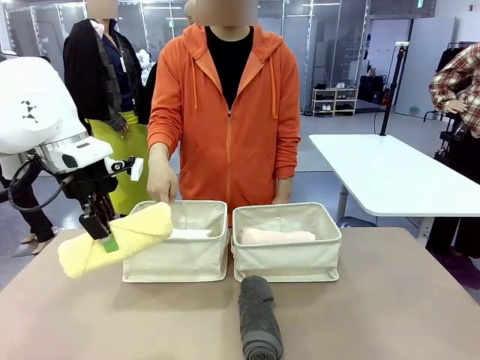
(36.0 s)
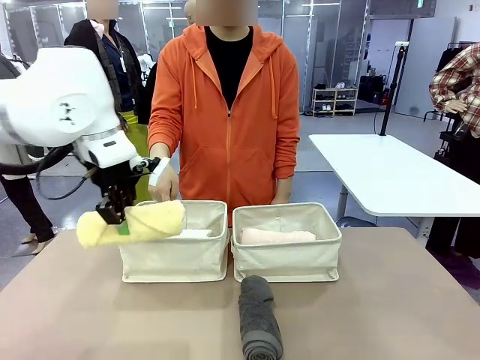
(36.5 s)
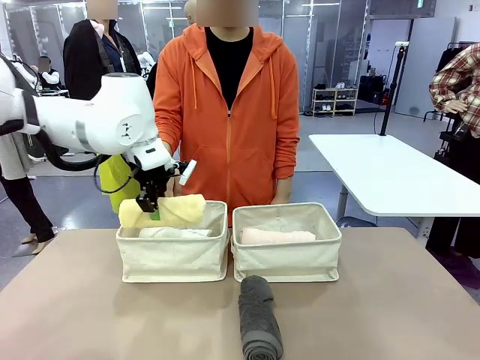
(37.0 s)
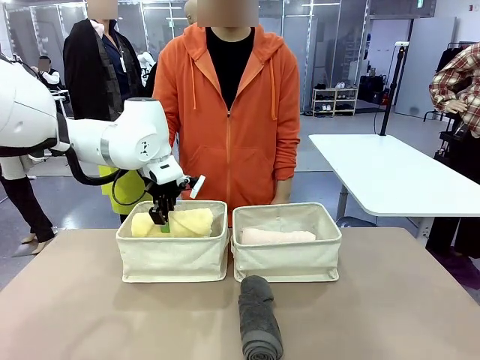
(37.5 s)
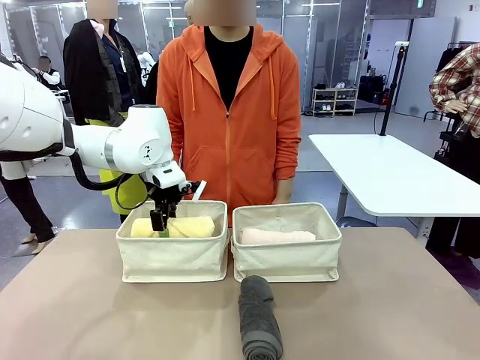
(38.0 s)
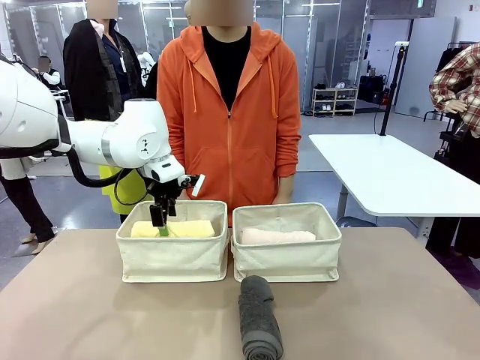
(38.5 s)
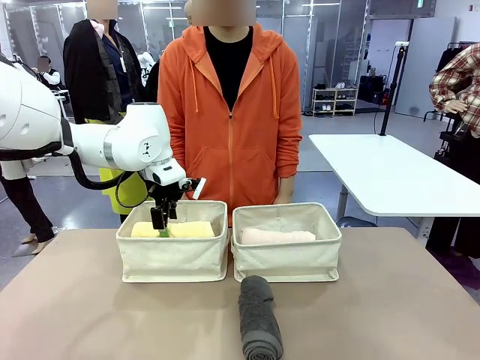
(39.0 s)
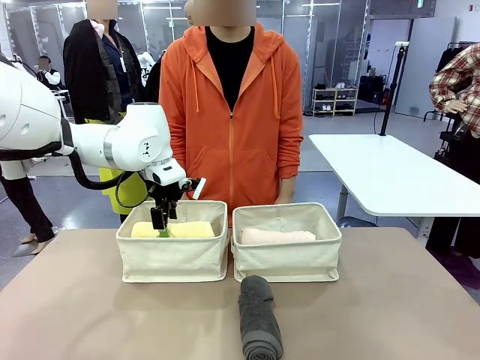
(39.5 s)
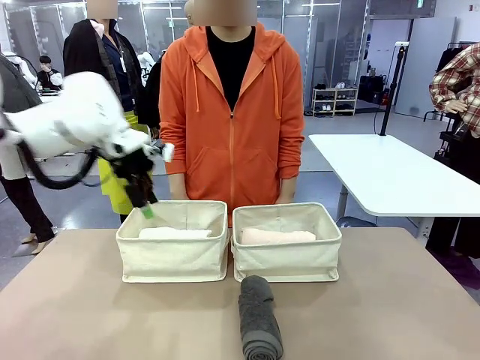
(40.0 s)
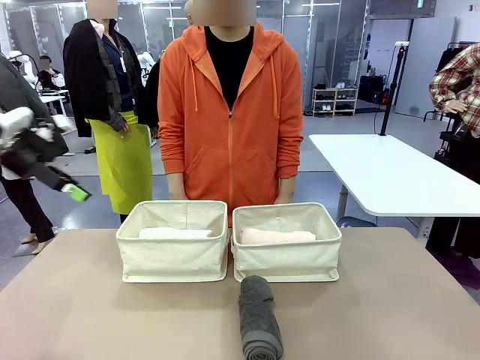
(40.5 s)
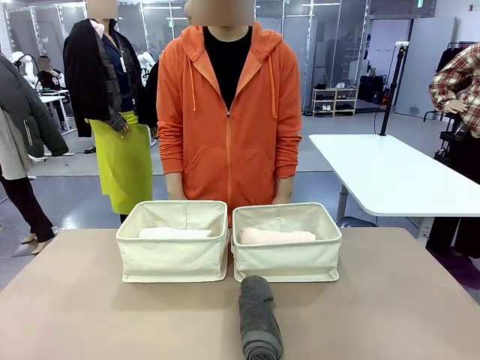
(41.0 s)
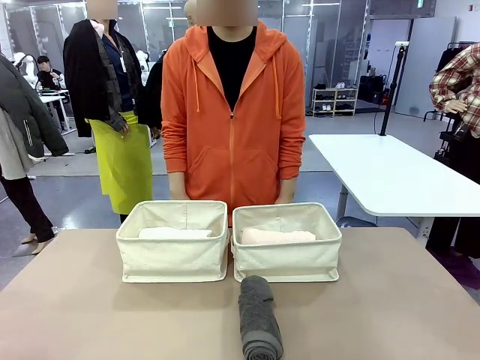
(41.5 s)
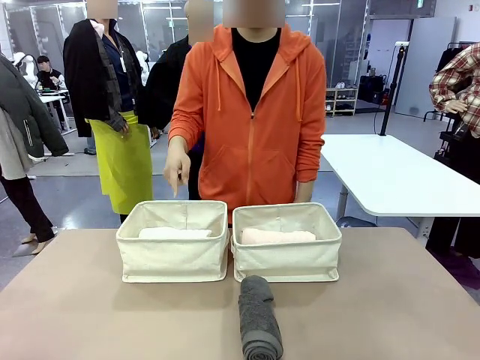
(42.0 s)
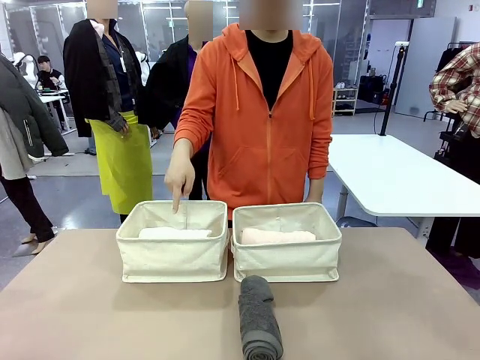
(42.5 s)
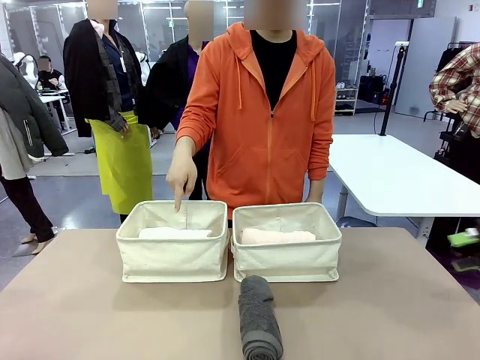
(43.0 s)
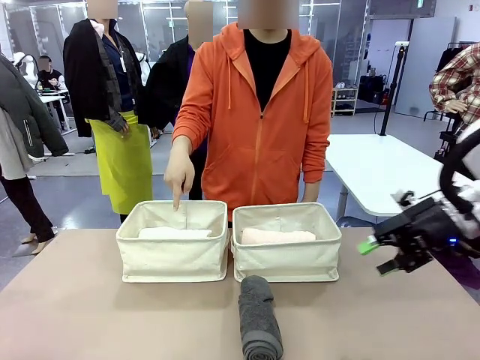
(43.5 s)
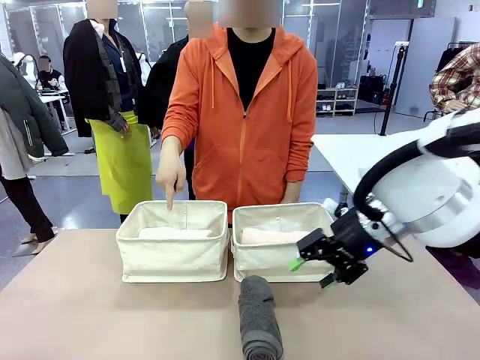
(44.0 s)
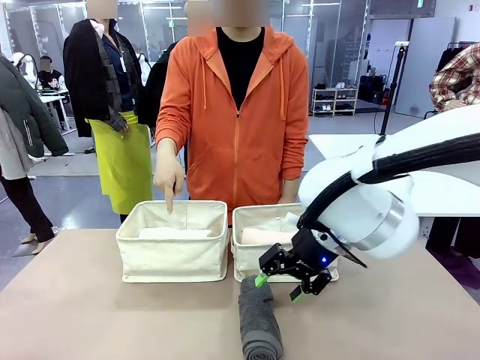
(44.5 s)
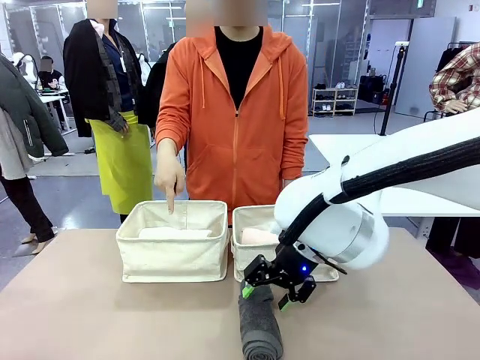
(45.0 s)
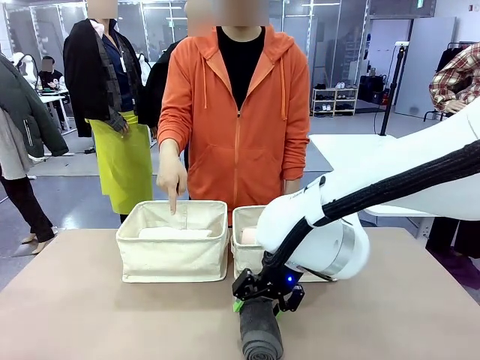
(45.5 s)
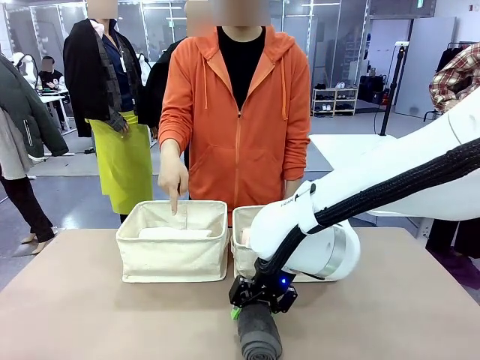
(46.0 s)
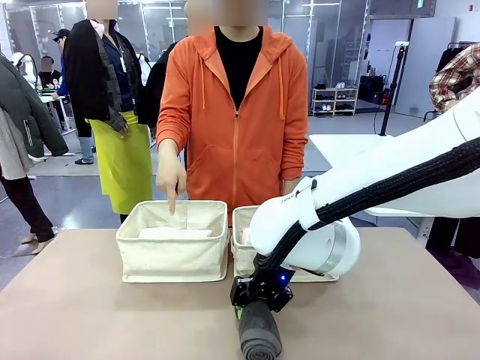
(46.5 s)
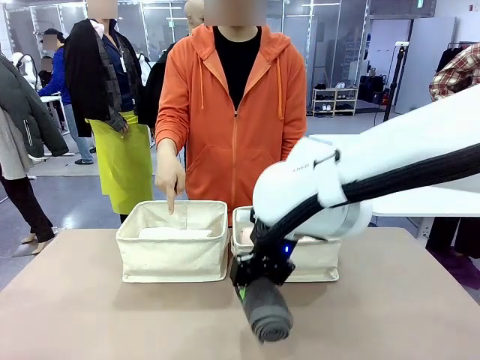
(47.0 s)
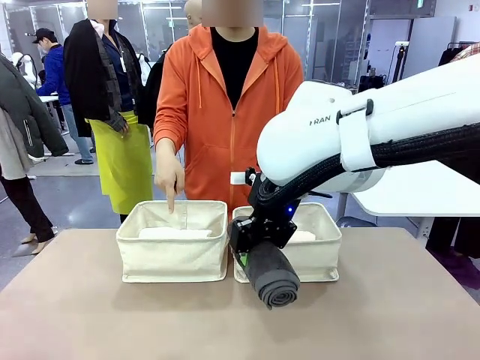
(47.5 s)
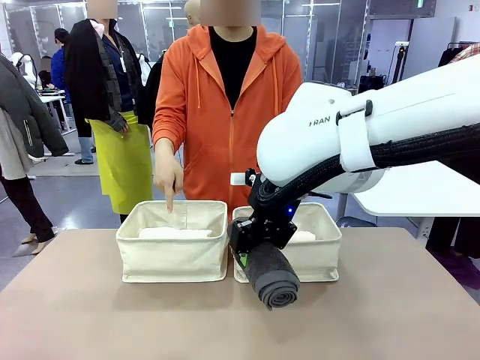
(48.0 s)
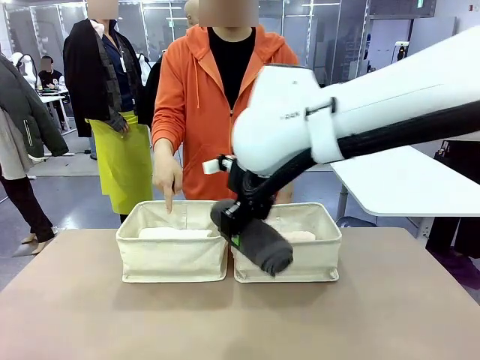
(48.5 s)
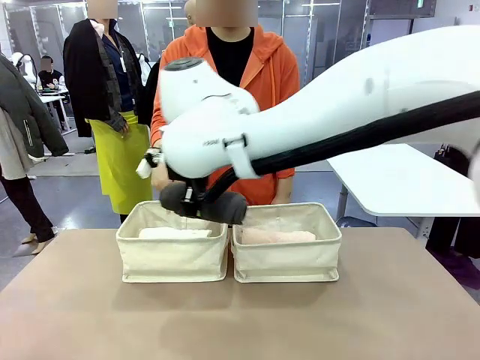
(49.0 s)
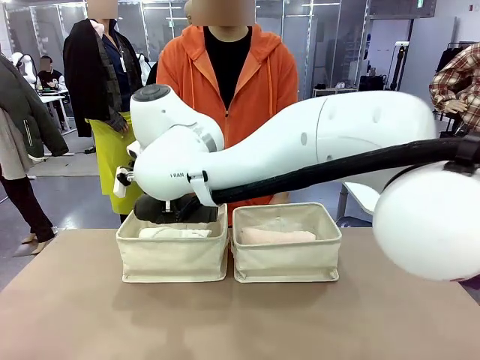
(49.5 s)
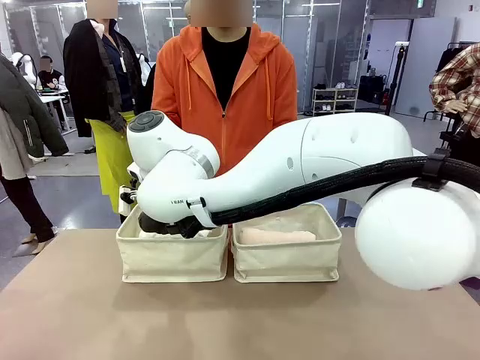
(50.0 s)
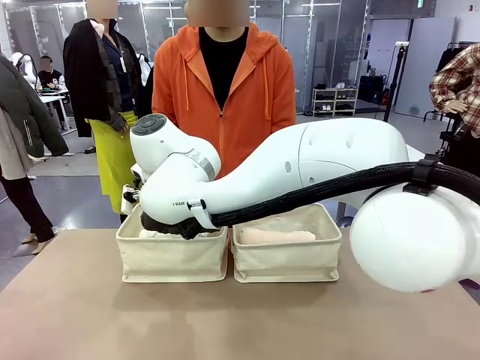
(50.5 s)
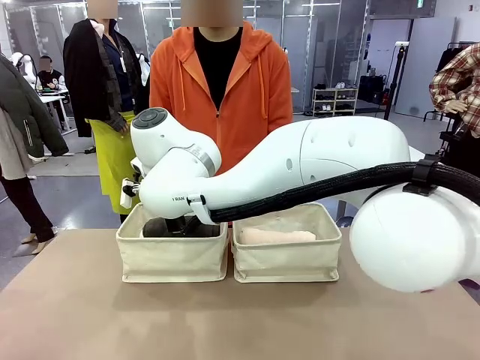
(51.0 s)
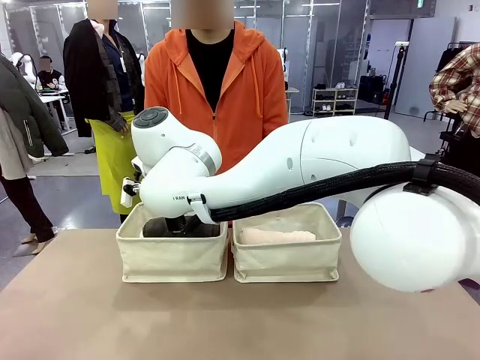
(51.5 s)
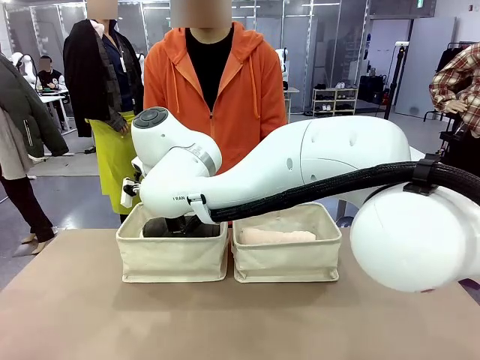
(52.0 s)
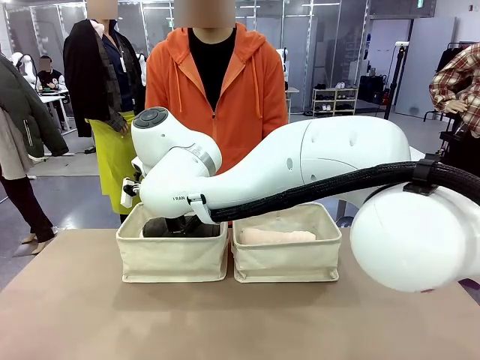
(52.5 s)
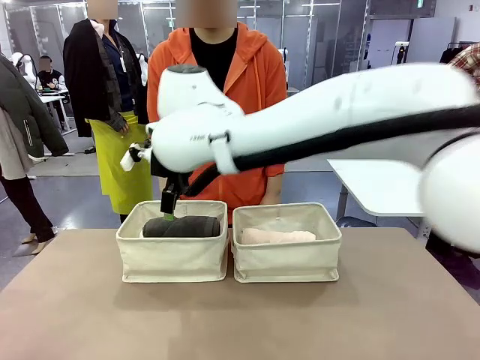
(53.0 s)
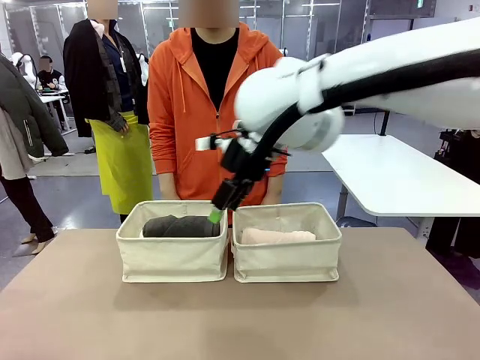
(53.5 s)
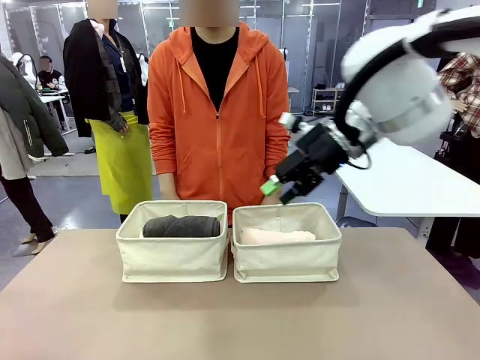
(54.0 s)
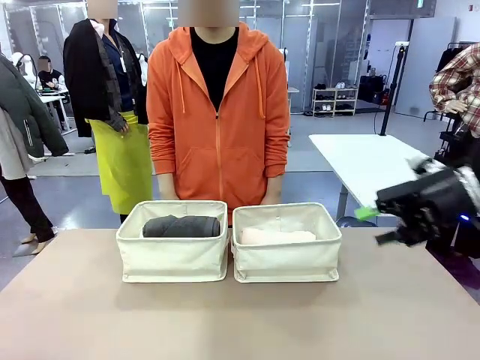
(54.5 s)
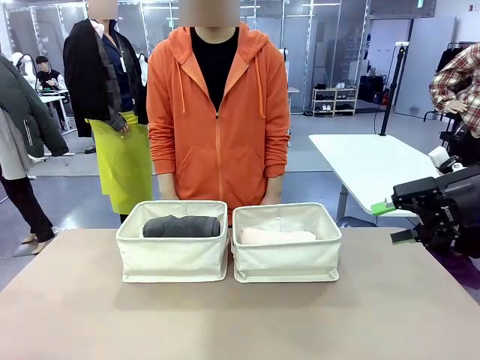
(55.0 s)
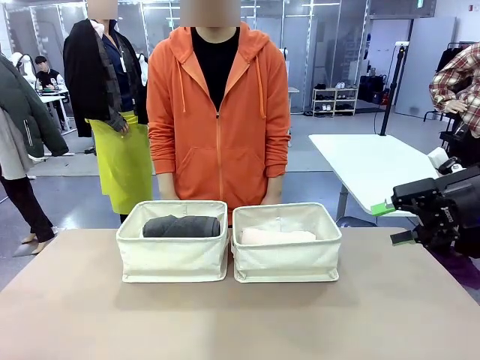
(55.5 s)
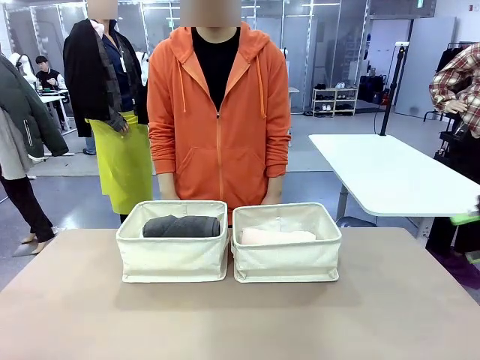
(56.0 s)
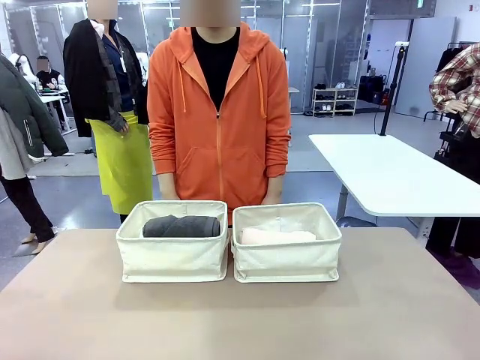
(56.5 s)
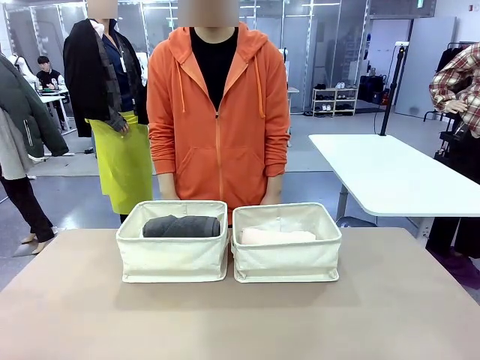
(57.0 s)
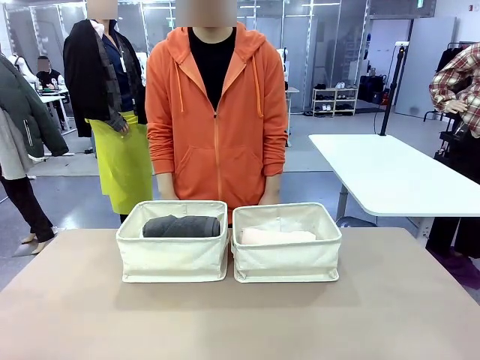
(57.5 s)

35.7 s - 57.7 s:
Task: Divide the towels into two baskets.
Robot: Pick up one hotel-folded towel from the bottom of the table and place it in the Fabric basket indicated by the person.

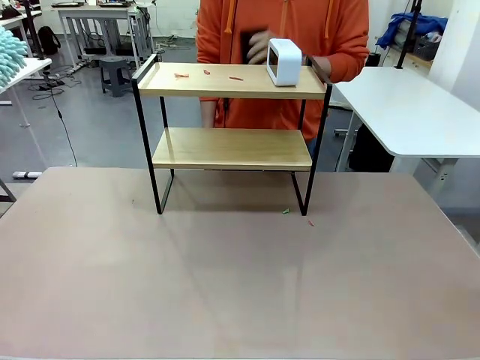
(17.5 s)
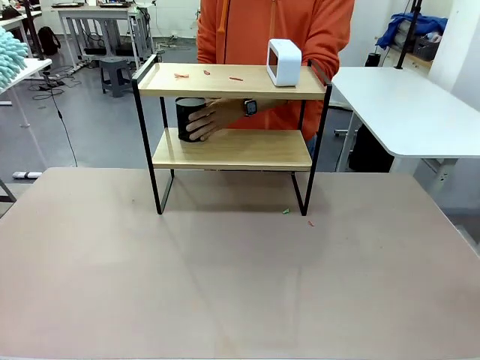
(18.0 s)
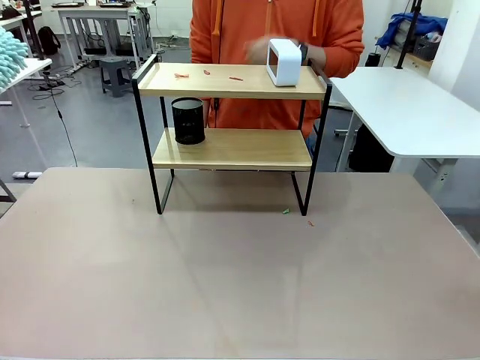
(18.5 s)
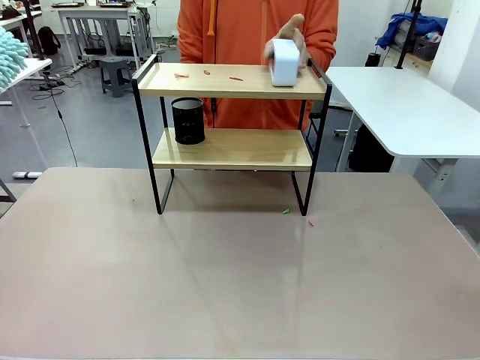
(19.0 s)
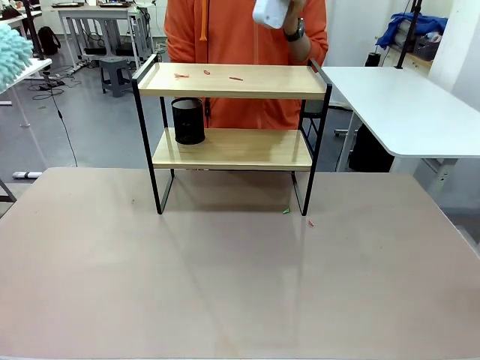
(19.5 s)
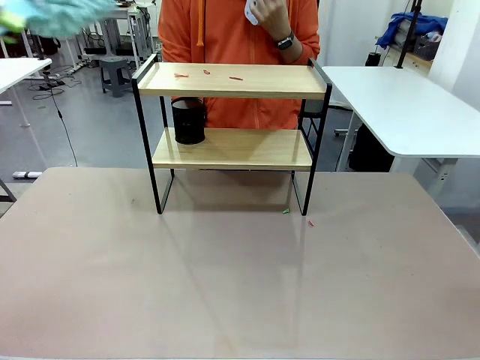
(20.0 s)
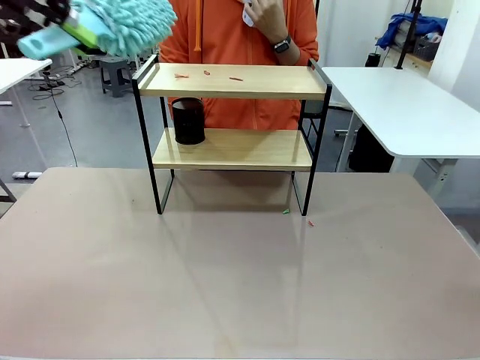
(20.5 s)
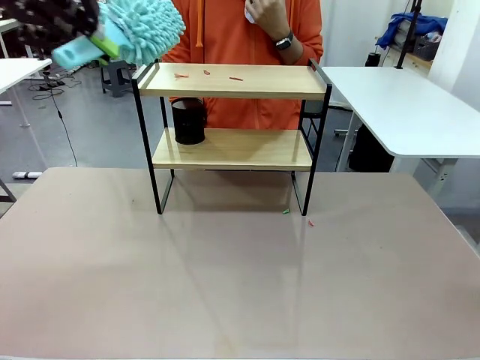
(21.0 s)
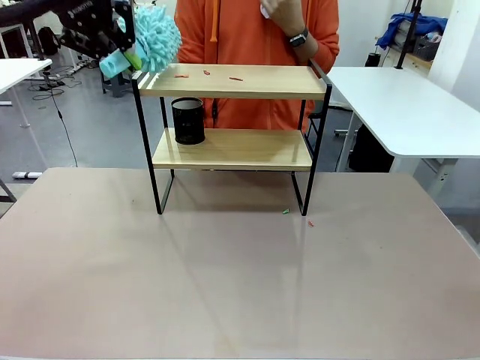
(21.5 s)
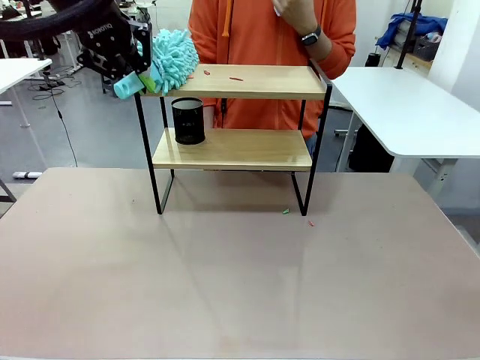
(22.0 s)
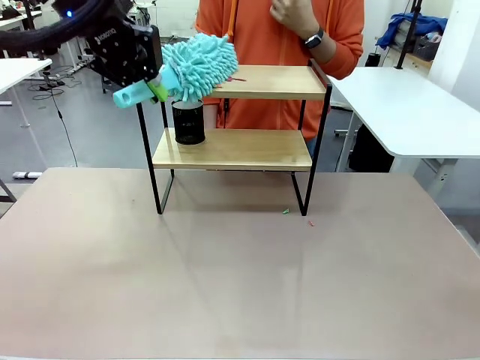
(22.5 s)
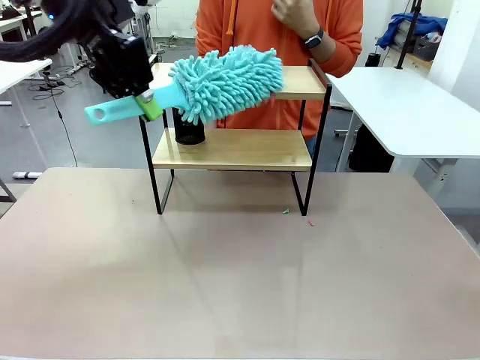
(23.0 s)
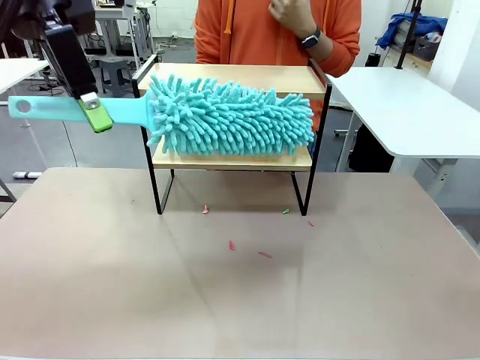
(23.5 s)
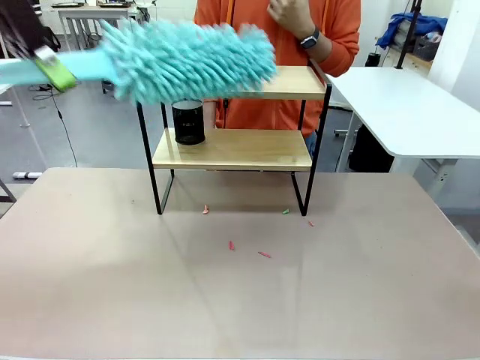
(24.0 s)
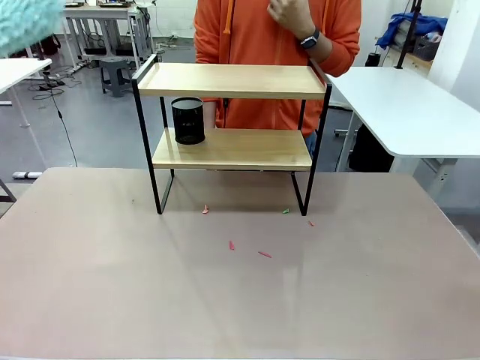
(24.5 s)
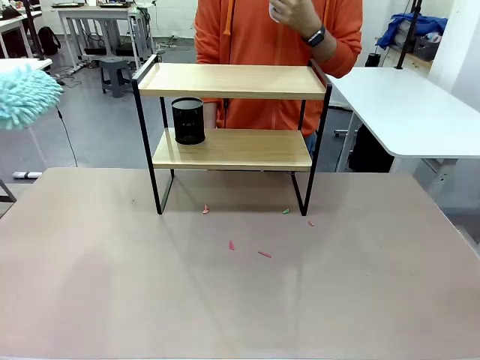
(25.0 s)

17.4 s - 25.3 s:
Task: Clean the shelf.
Robot: Clean the remaining tier of the Shelf with the Duster once objects are removed.
